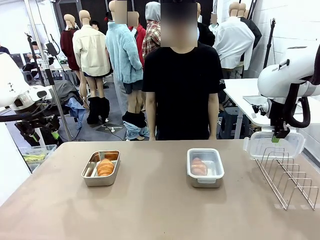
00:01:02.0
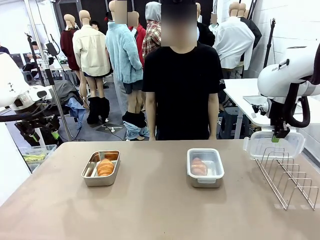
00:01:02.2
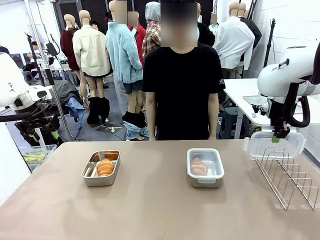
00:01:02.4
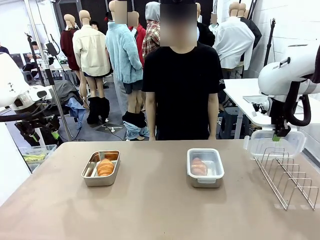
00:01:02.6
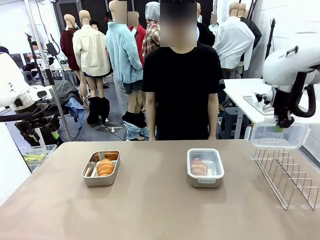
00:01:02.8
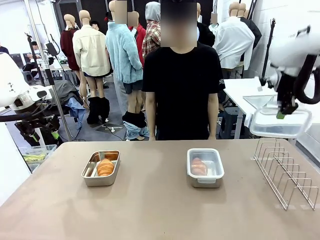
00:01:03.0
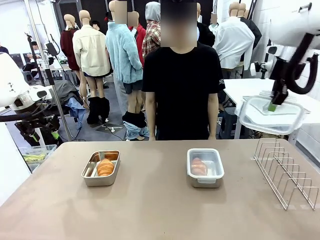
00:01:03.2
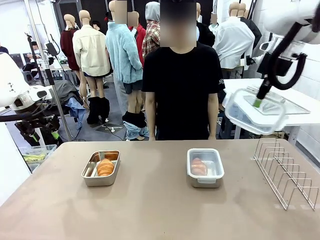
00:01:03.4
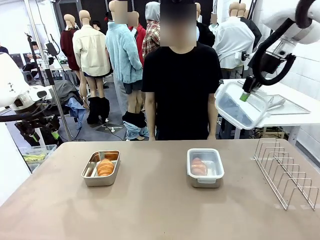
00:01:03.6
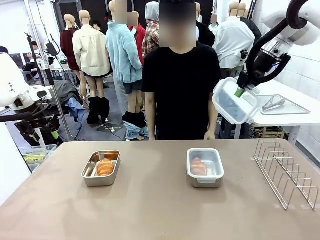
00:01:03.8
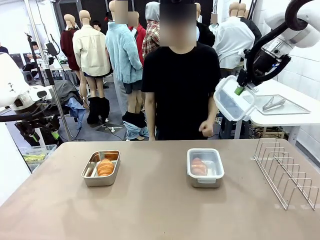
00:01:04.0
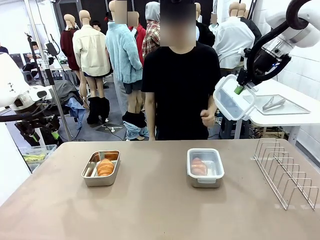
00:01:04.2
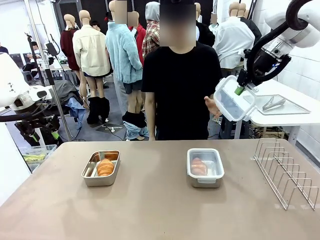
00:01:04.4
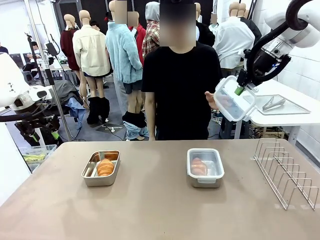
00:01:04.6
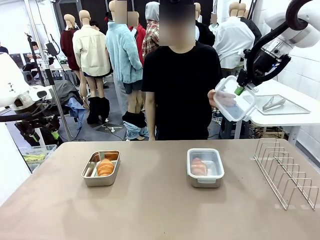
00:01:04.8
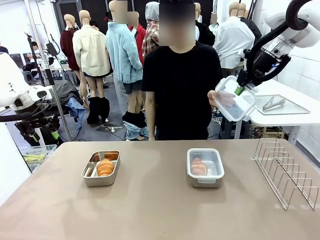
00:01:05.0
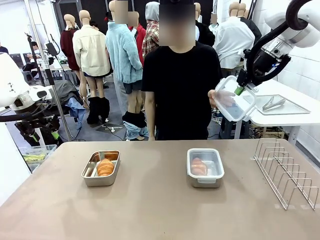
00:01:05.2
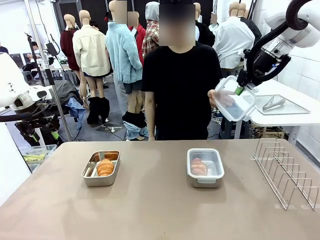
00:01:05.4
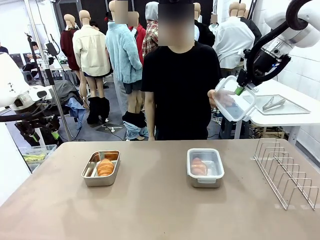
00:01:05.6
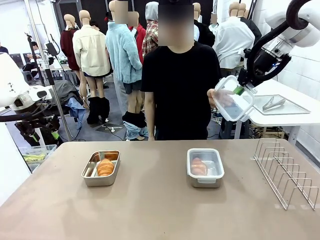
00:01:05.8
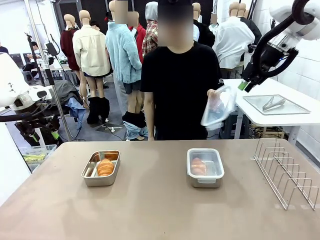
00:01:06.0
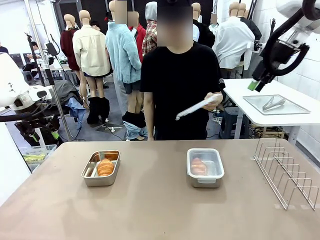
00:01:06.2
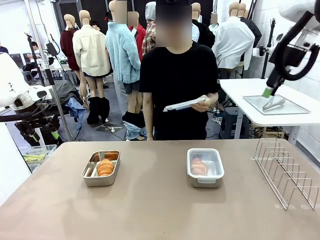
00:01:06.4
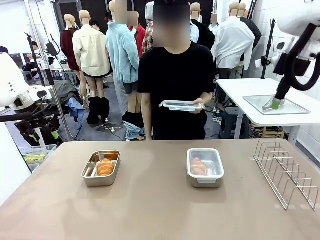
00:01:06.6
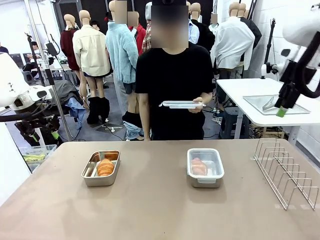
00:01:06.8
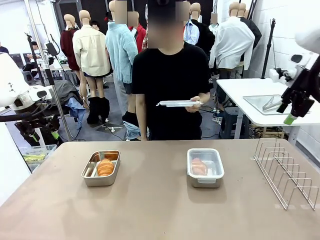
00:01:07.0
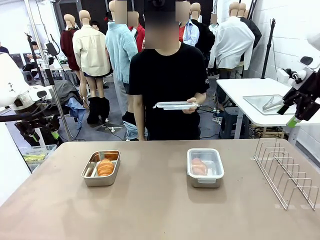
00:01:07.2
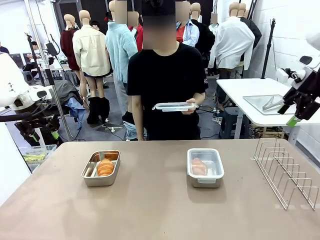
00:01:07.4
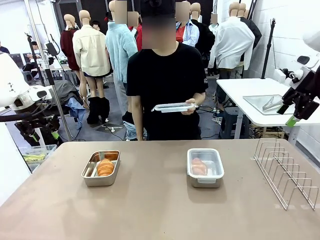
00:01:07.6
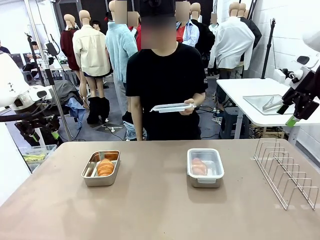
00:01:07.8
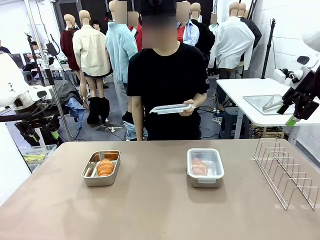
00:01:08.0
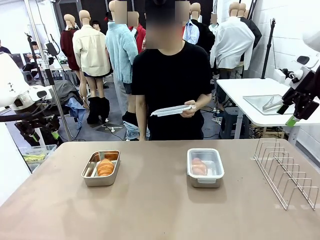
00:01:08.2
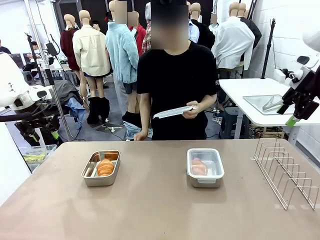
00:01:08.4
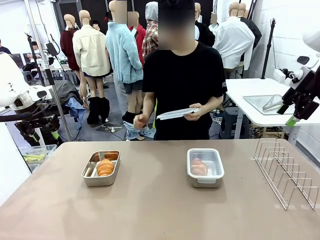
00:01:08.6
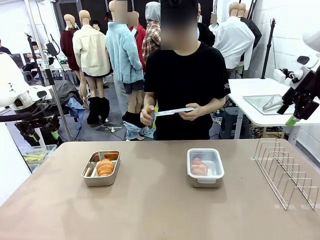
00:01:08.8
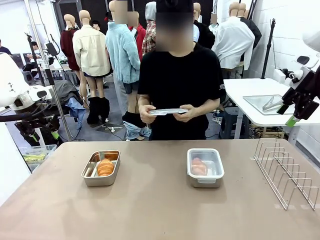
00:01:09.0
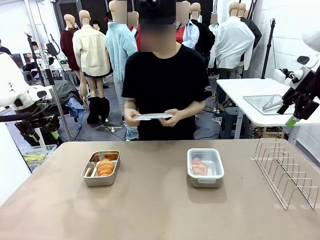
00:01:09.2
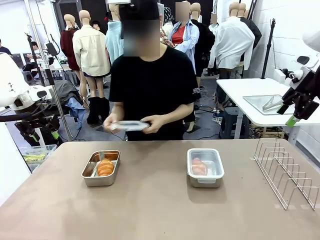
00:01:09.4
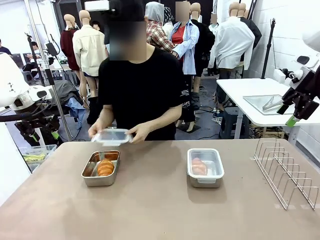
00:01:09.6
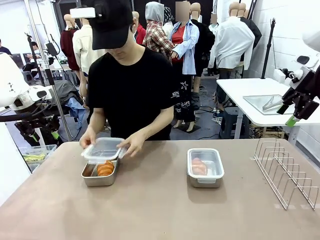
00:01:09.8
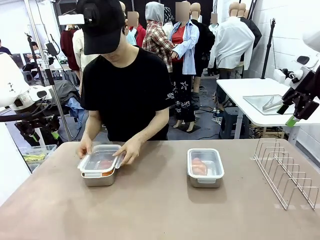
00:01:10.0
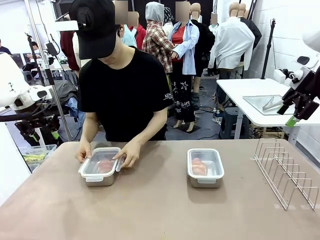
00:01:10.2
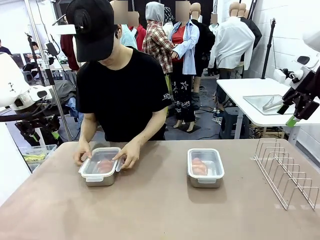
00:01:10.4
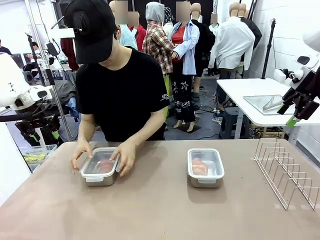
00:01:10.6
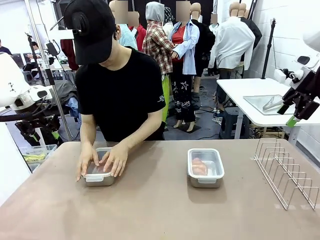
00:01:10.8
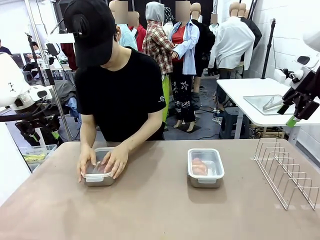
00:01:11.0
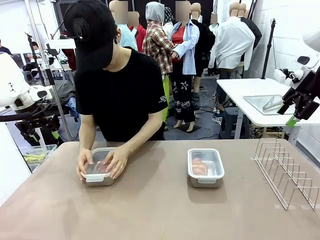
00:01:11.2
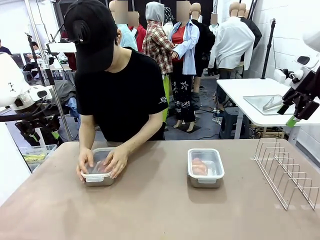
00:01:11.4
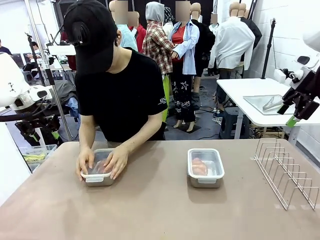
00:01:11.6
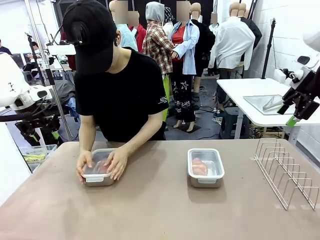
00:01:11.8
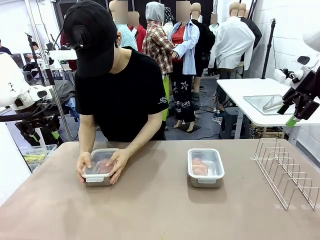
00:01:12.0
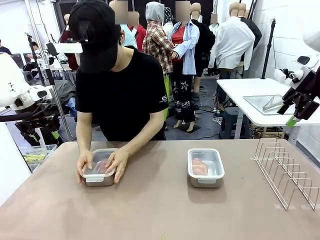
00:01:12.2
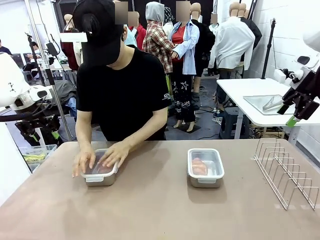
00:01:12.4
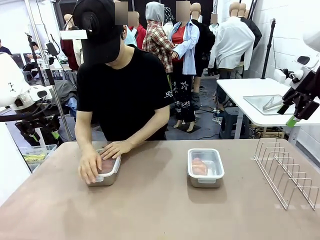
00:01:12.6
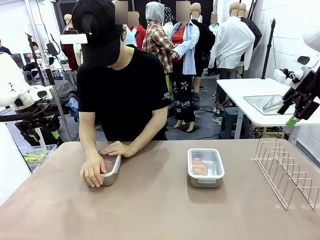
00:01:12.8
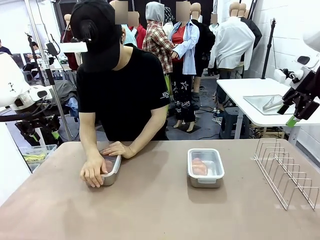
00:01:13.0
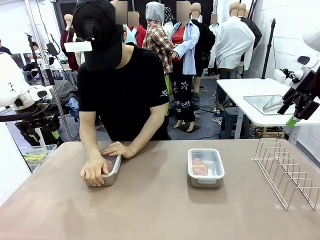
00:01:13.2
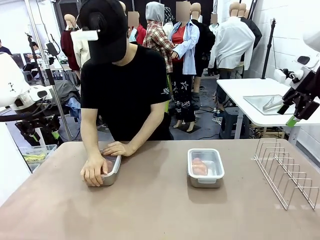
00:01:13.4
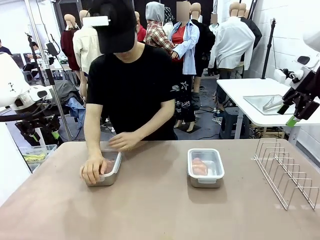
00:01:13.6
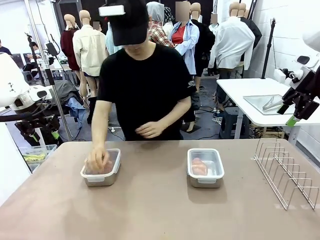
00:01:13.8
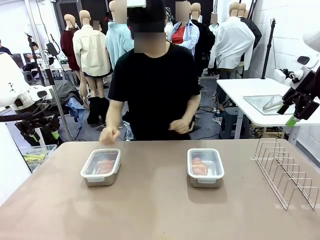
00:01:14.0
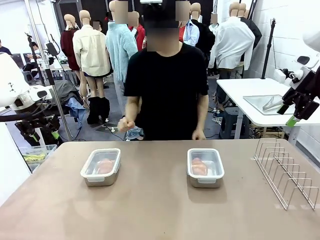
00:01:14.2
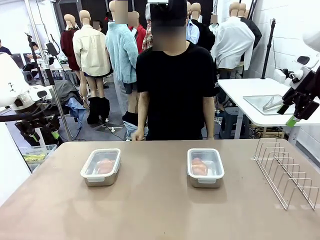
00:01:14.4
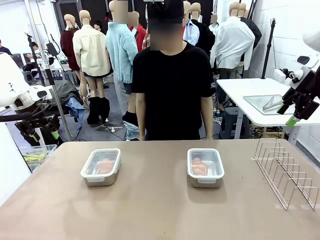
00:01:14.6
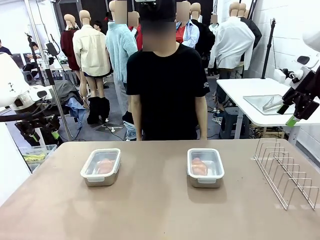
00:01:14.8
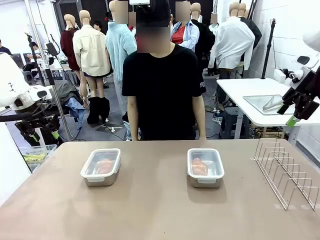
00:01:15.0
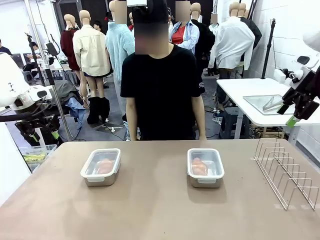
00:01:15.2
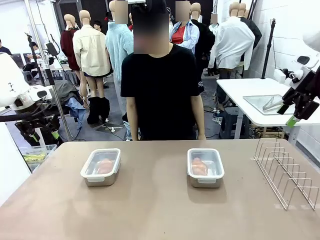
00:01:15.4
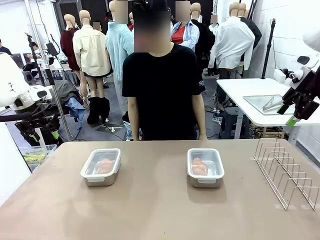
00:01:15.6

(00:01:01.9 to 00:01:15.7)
Task: Place the bread in airtight containers.
Robot: Release when the human grabs the Airtight Container lid.
Person: Grip Airtight Container lid that robot is handing. Close Airtight Container with a handed Airtight Container lid.

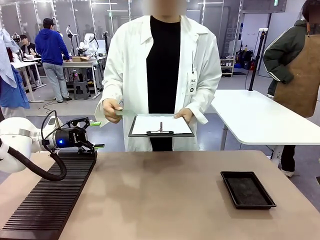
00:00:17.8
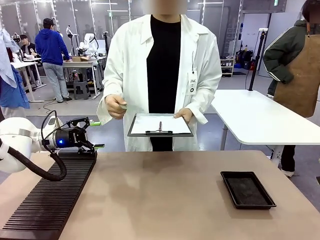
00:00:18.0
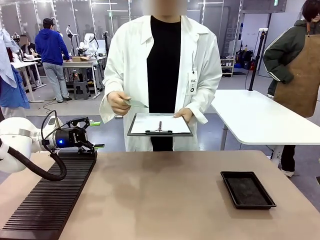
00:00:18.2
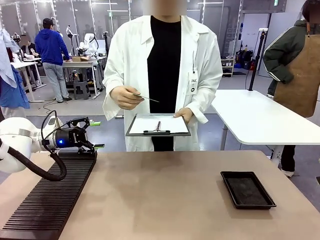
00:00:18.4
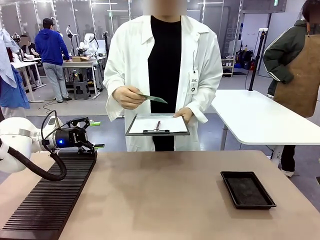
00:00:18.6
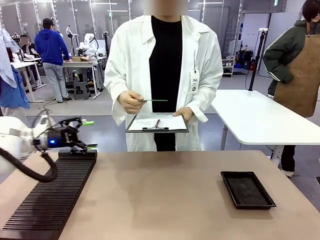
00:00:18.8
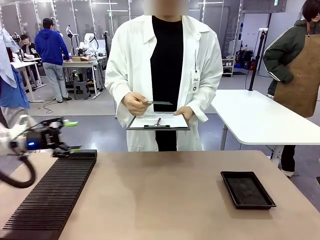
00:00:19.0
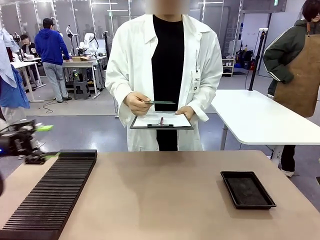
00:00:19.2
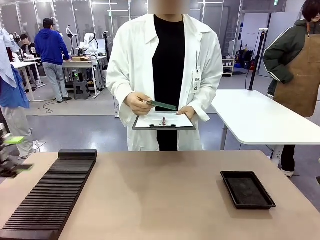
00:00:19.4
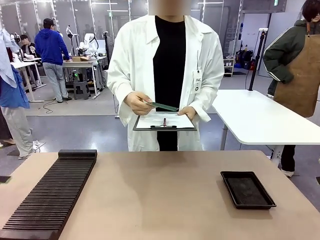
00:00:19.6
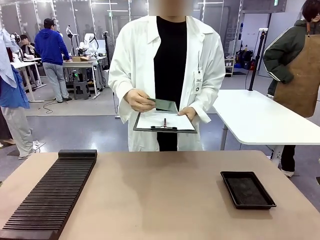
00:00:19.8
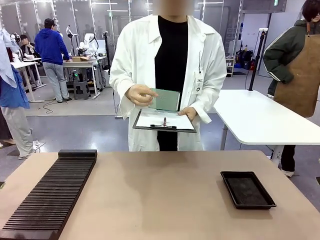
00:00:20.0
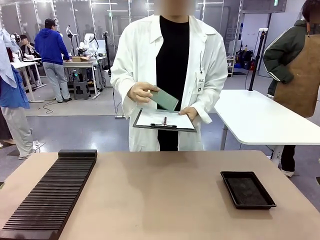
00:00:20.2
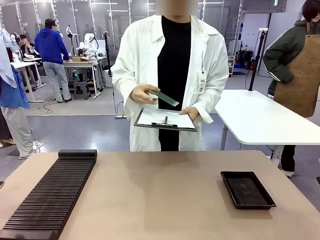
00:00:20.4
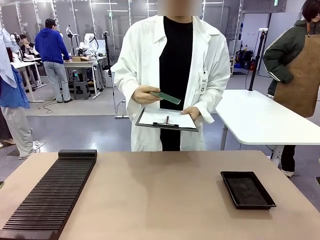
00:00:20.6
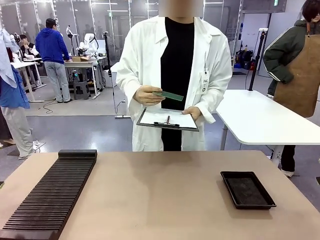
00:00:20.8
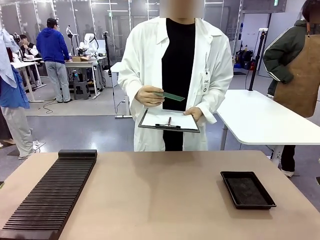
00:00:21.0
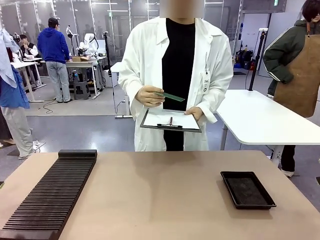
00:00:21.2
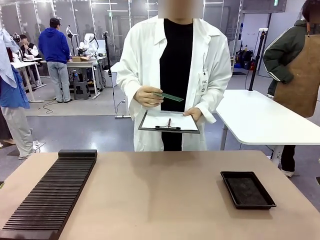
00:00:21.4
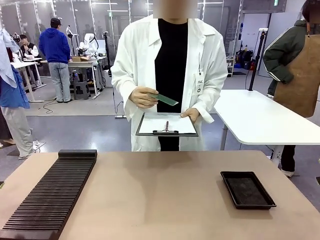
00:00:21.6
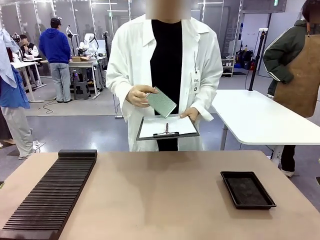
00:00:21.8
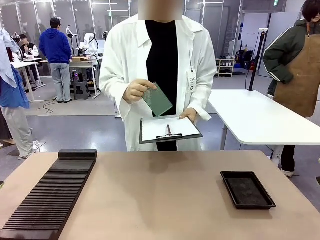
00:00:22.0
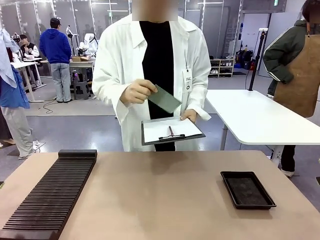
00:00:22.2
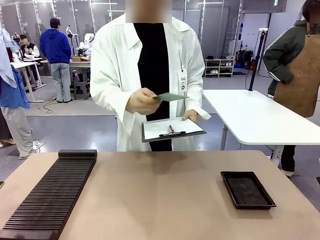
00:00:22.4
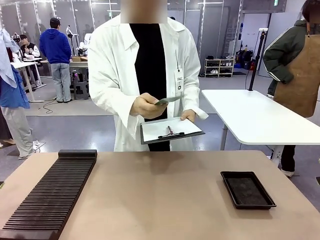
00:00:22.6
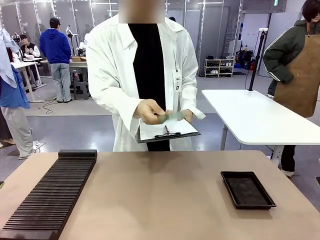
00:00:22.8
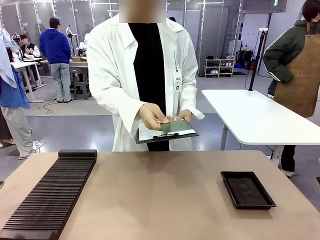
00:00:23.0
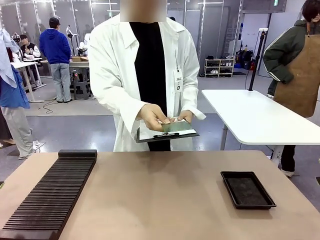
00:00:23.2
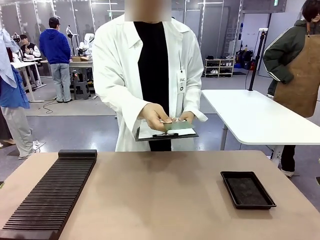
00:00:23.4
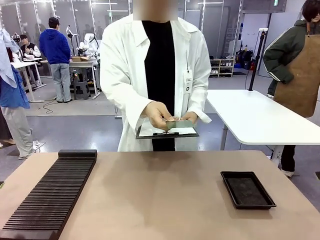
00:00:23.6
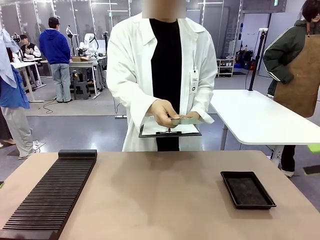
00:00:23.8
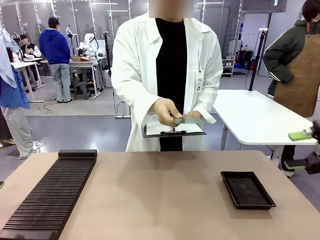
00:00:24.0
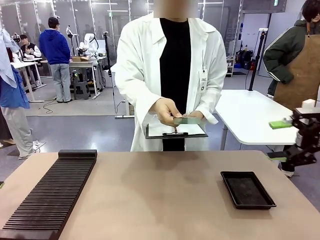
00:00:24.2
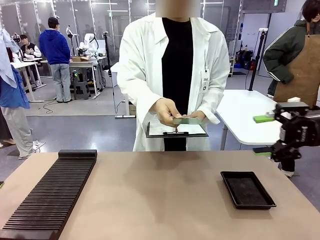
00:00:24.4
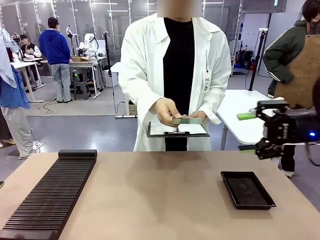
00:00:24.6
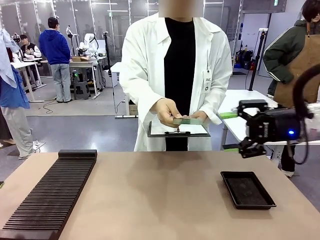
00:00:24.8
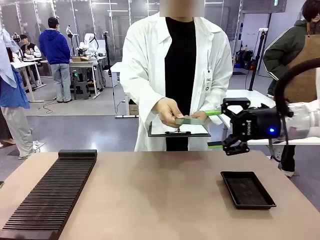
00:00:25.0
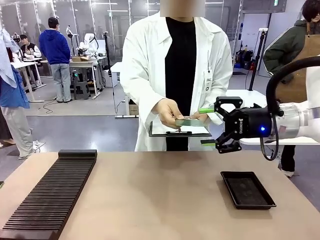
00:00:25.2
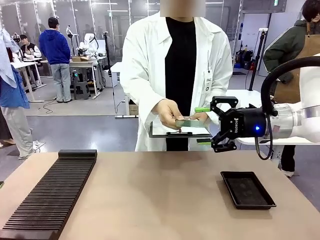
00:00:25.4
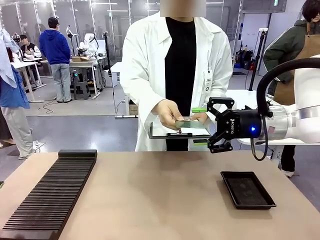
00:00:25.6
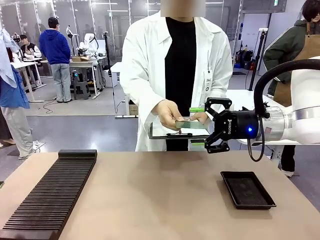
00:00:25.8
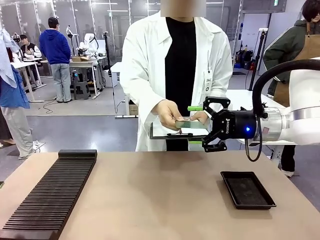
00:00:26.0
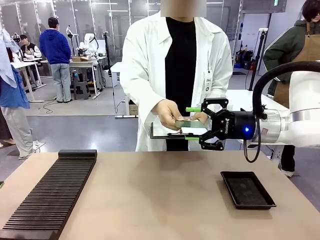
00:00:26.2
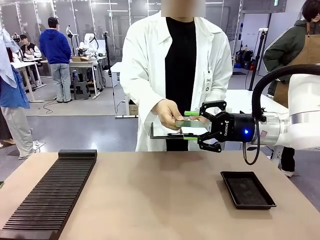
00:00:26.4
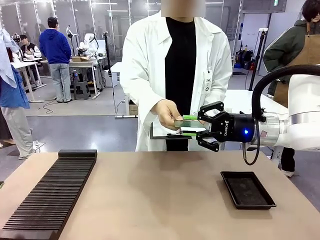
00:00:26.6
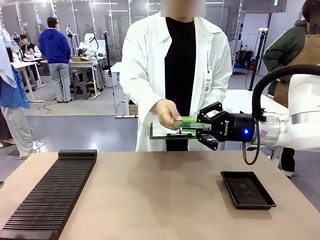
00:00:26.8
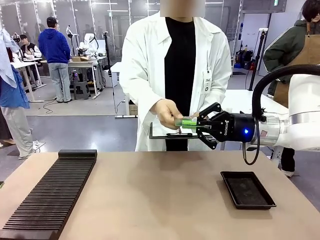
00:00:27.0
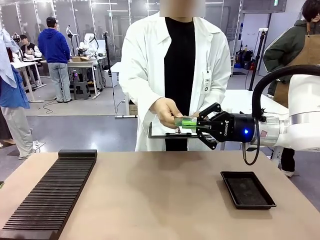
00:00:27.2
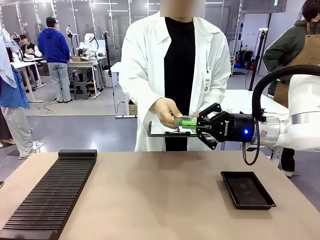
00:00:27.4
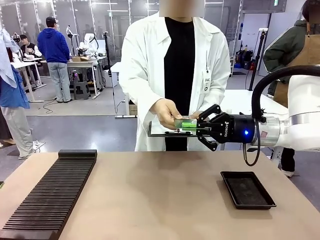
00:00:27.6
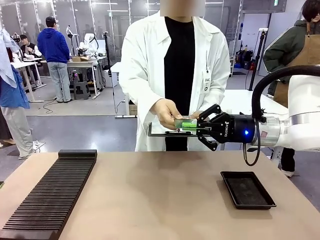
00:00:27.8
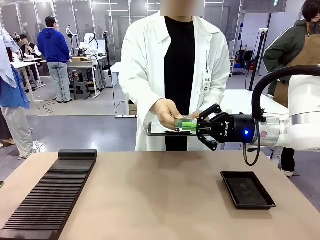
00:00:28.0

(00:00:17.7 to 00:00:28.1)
Task: Inspect the PCB.
Robot: Pick up the Blank PCB that the human is holding.
Person: Inspect the PCB placed by the robot, then hold it out in front of the robot. Release the PCB you were holding.
